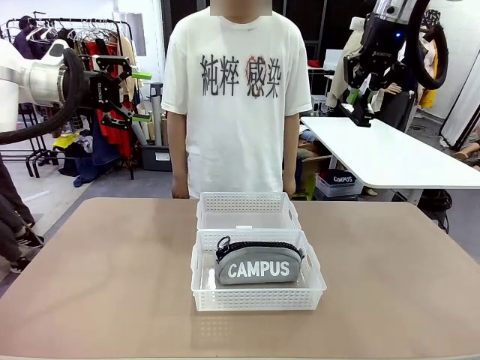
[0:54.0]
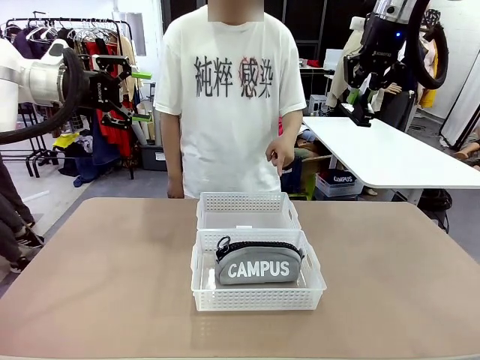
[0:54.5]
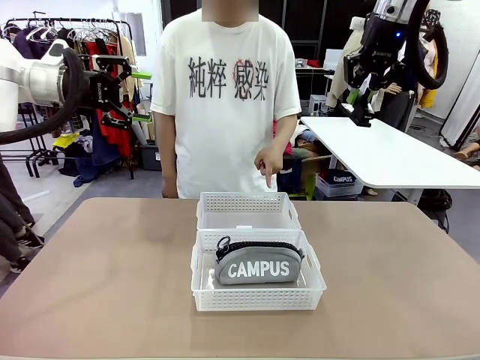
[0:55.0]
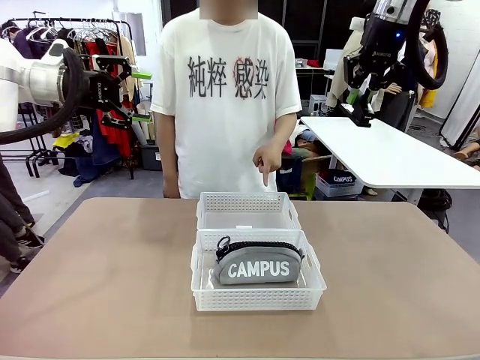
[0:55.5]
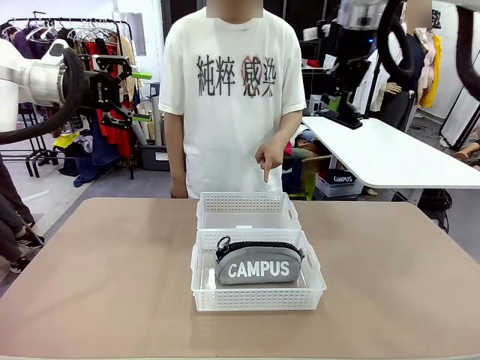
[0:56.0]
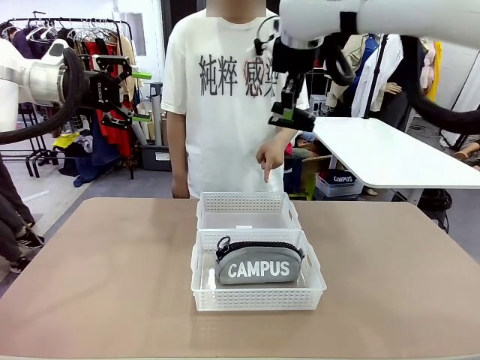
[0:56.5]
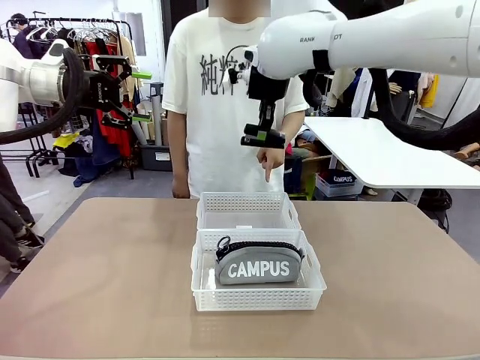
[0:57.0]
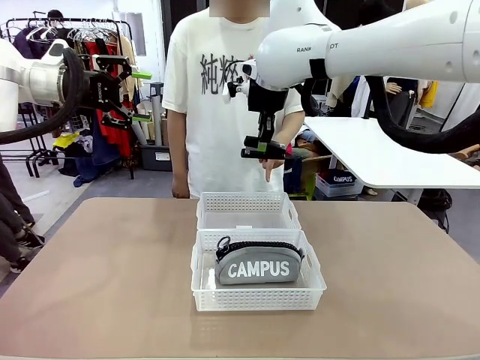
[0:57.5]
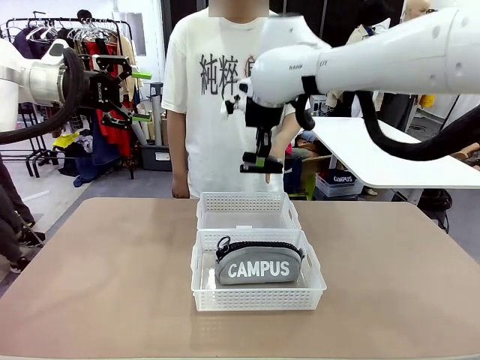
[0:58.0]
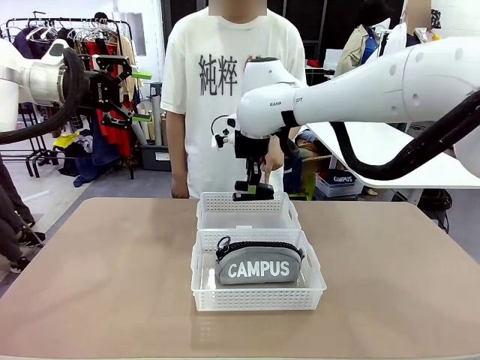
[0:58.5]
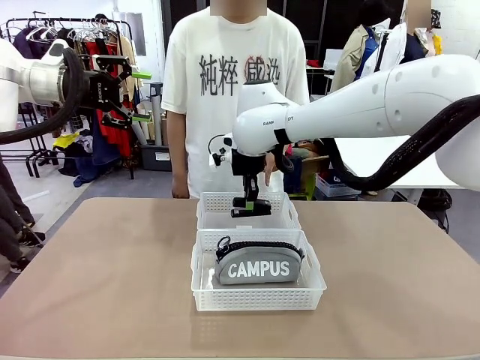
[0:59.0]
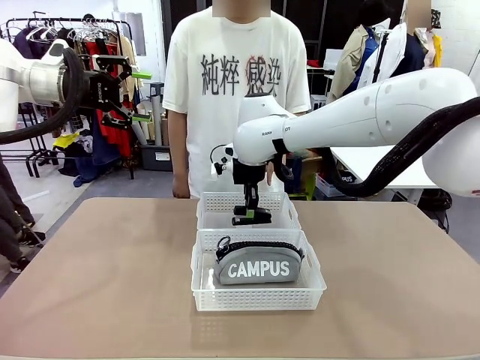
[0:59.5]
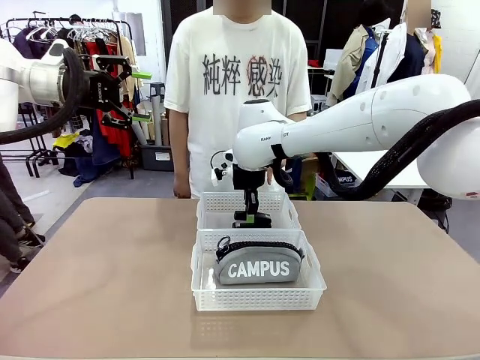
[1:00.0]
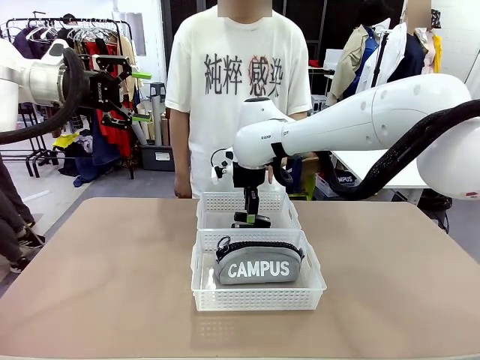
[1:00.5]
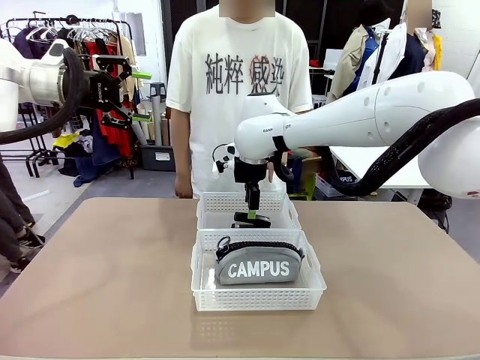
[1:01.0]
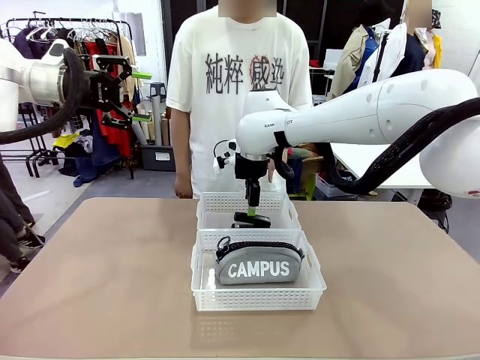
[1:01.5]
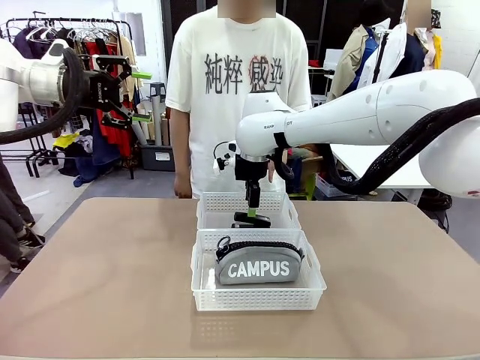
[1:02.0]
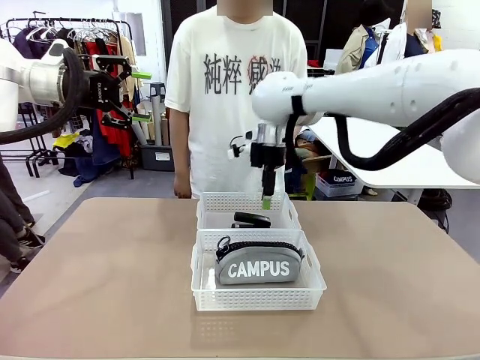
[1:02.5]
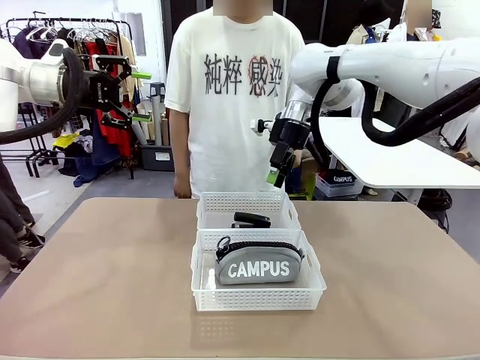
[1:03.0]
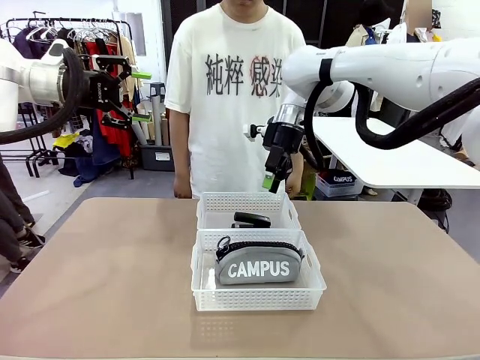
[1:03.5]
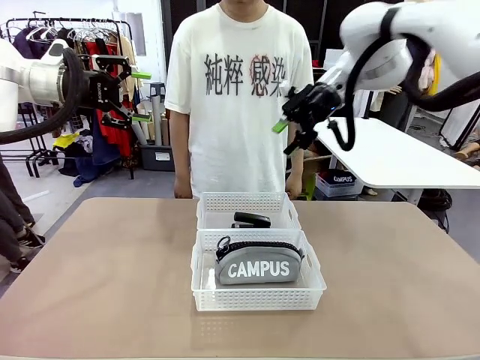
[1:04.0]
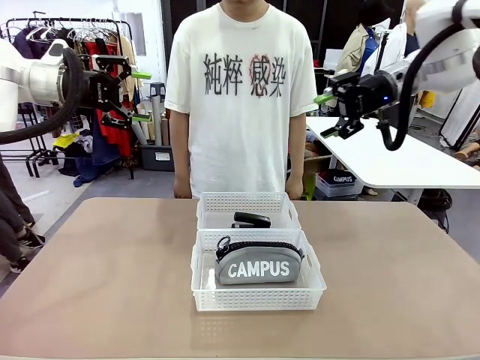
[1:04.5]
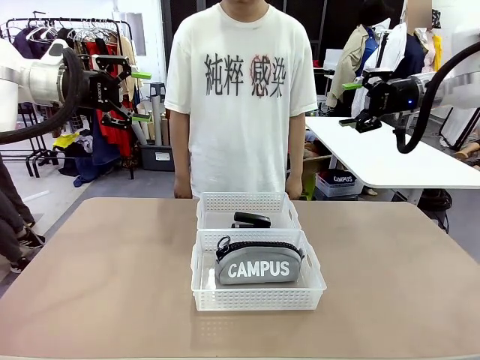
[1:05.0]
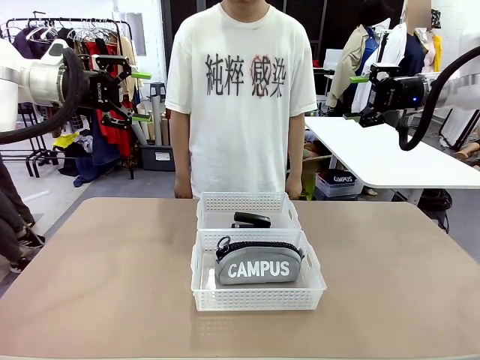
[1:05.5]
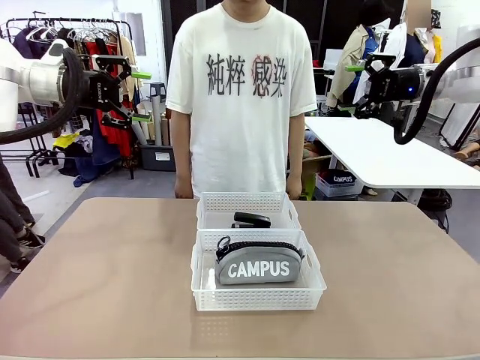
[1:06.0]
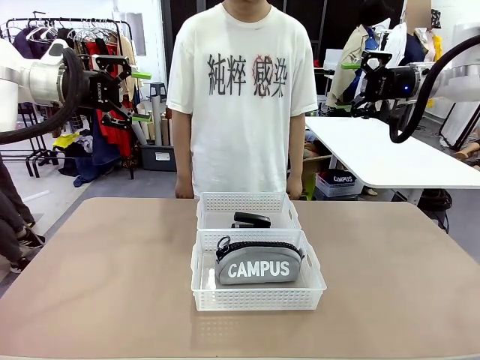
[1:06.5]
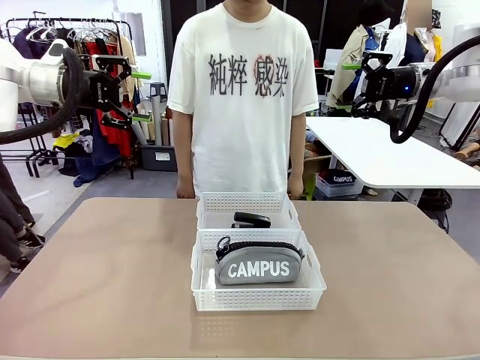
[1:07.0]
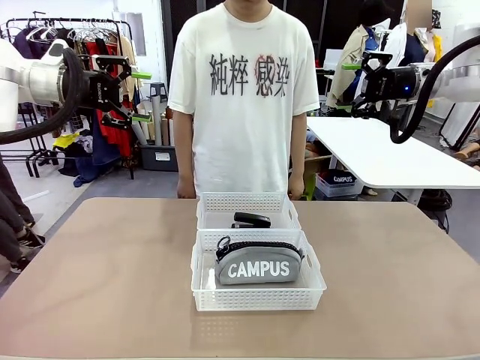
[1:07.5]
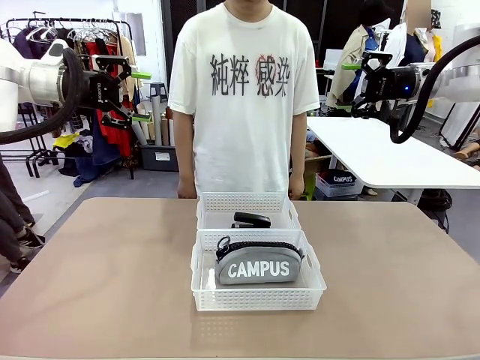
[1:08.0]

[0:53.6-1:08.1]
Task: Distribute items into two baskets.
Robot: Place the picked Stapler into the Organizing basket as instructed by the person.
Person: Points to the basket that does not contain the pencil case and instructs the robot to move the stapler there.

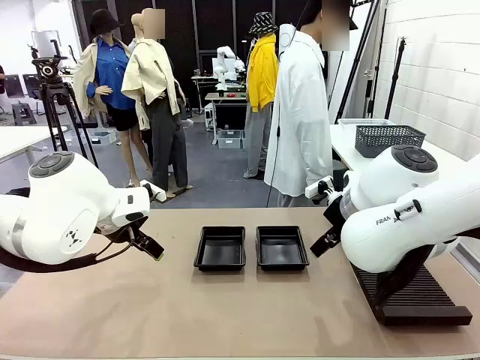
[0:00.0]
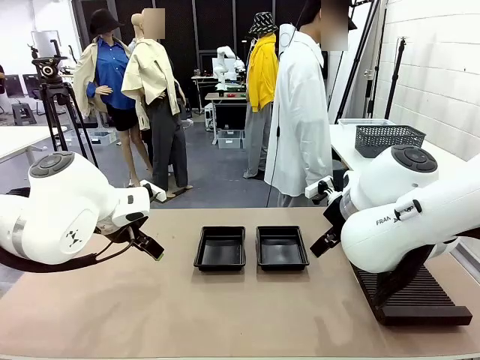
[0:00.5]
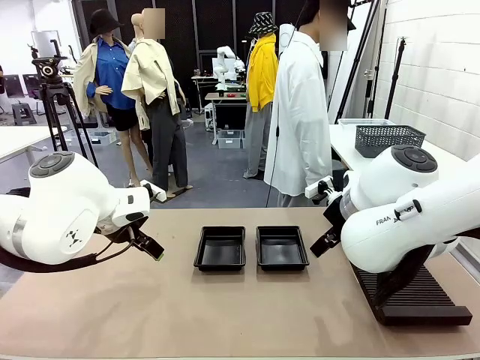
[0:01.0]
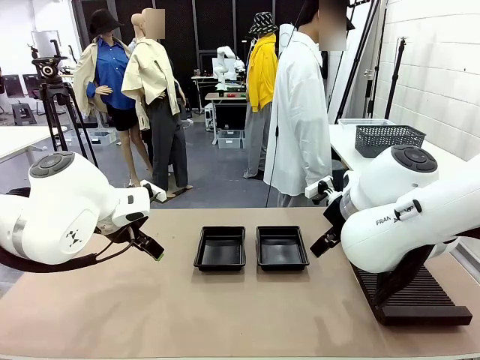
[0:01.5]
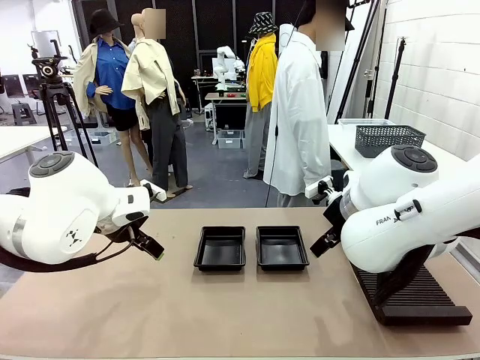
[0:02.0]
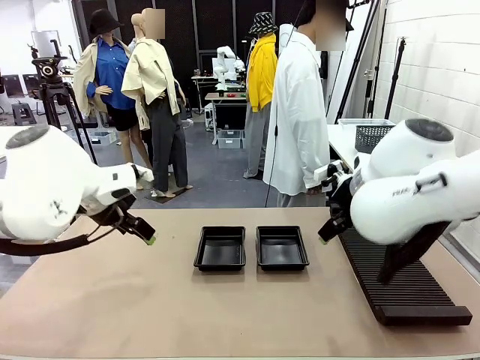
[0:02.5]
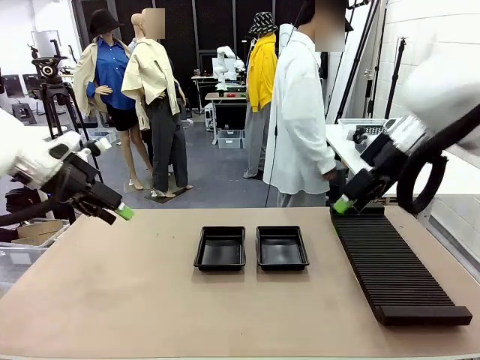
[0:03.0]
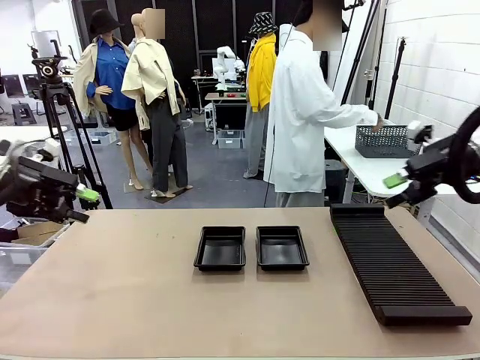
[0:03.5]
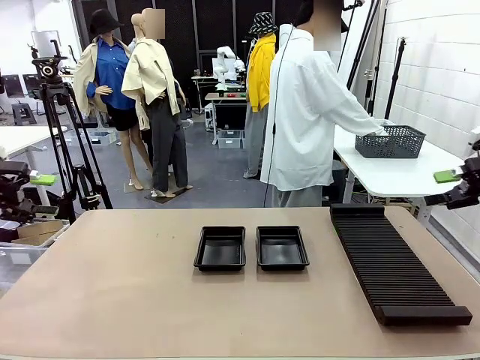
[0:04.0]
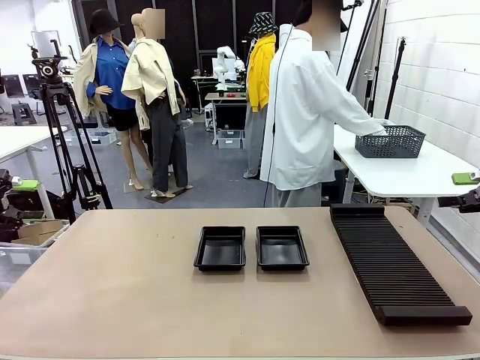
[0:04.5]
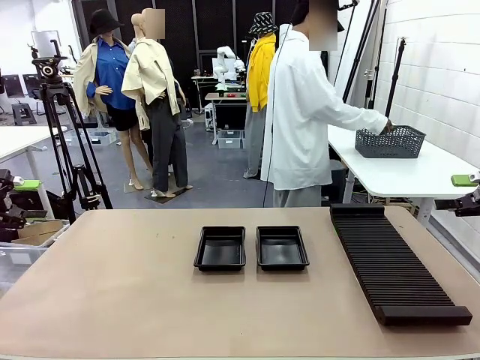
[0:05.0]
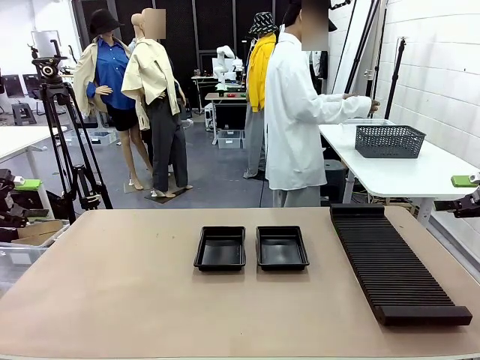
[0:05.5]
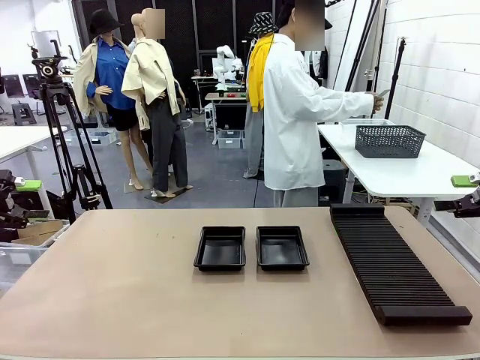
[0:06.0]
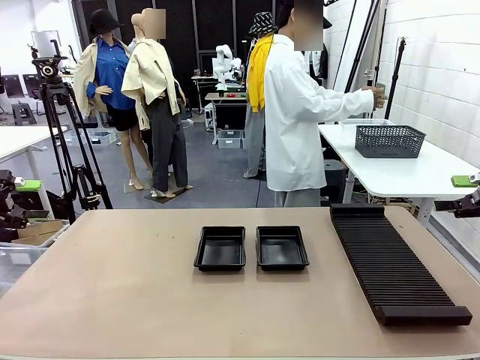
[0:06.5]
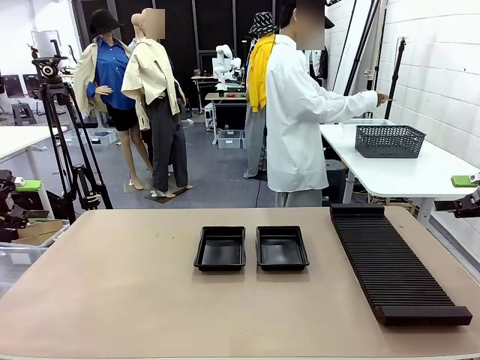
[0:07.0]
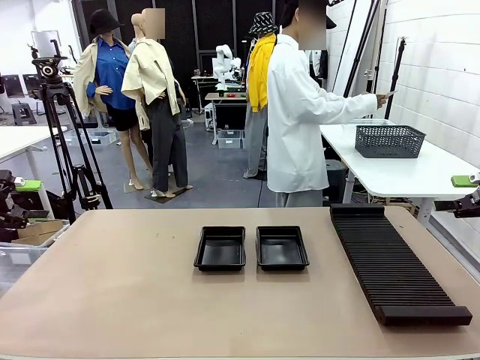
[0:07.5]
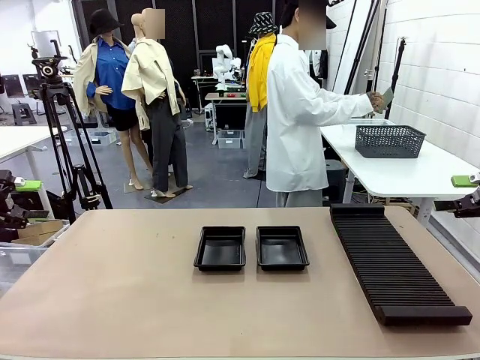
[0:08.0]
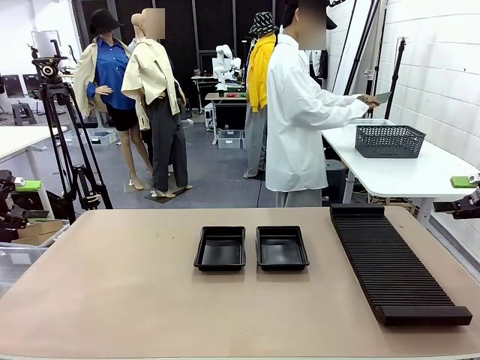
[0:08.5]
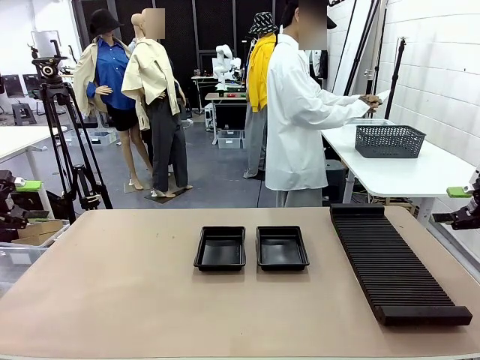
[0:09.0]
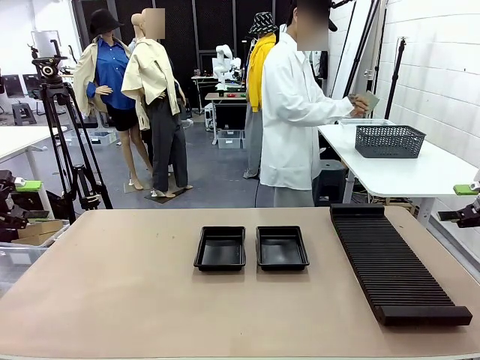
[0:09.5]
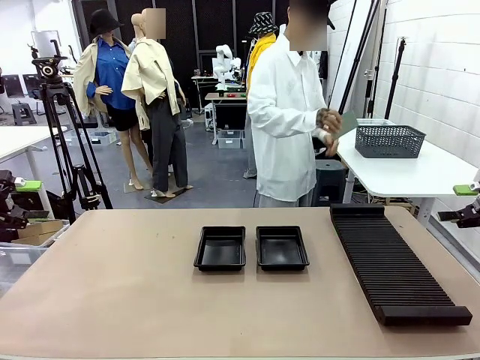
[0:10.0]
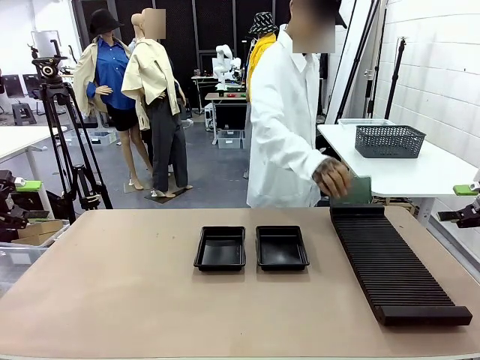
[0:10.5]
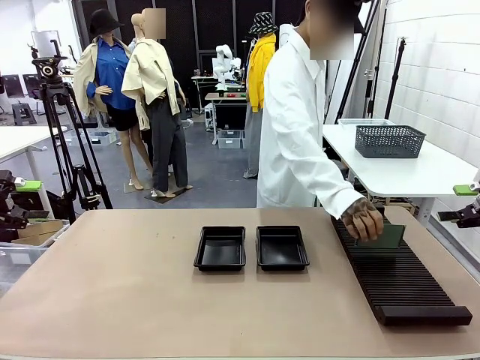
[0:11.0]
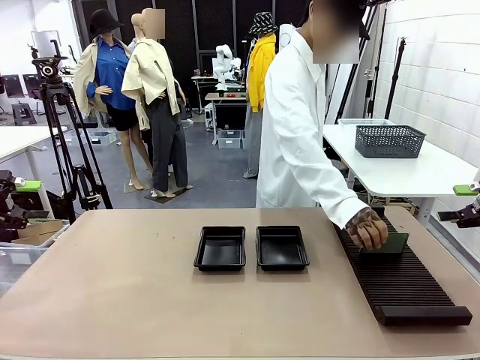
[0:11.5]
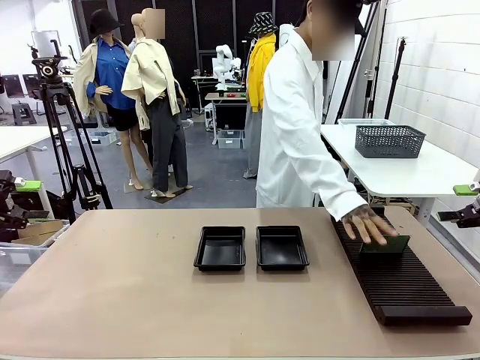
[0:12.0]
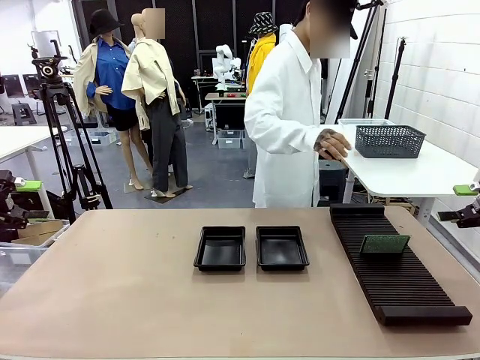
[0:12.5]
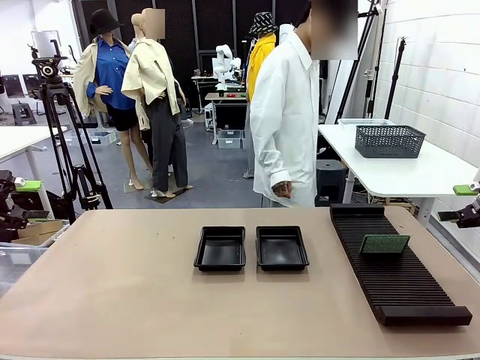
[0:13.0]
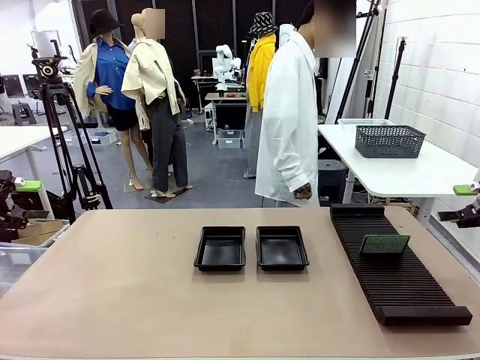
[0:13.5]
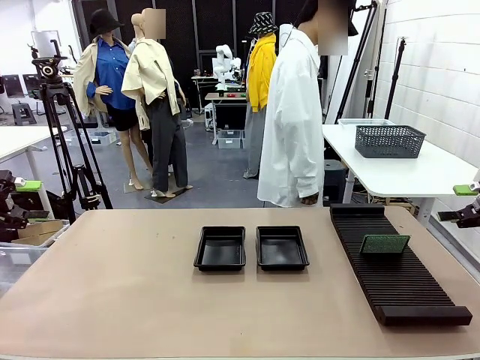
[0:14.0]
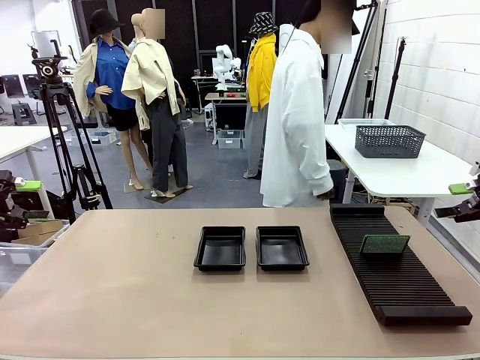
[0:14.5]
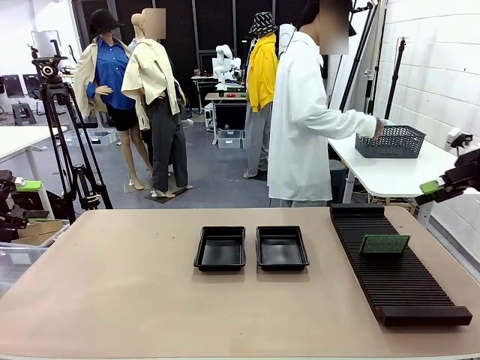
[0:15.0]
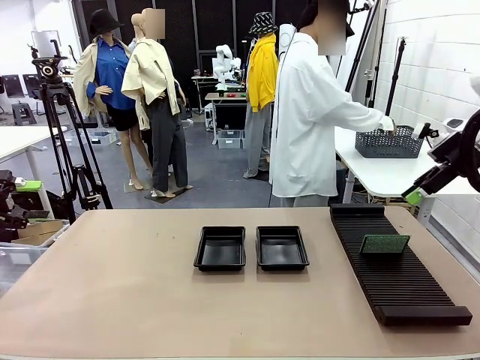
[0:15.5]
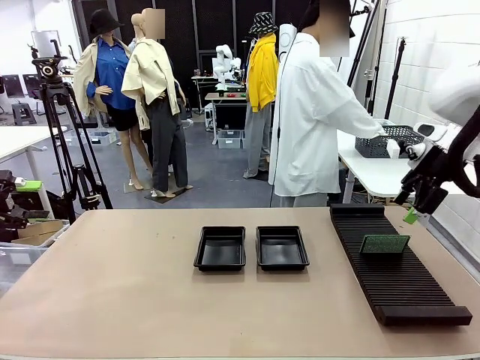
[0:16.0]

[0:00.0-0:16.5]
Task: Inspect and transfer BCBs to ESD trays.
Robot: Pick up the Blank PCB from the PCB Rack and place it in the left ESD tray.
